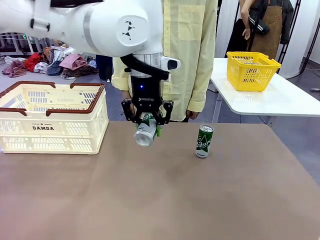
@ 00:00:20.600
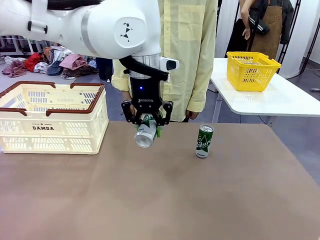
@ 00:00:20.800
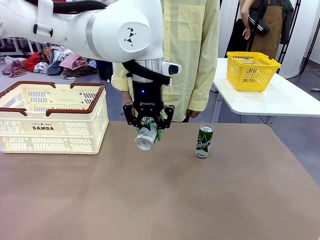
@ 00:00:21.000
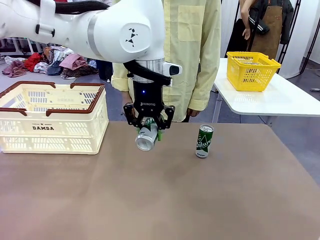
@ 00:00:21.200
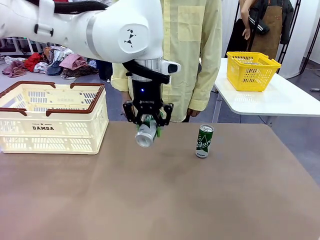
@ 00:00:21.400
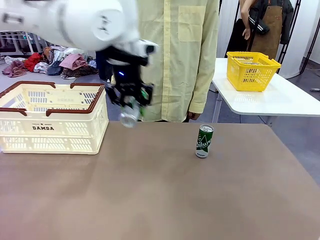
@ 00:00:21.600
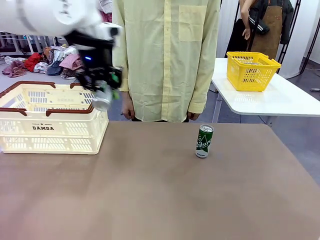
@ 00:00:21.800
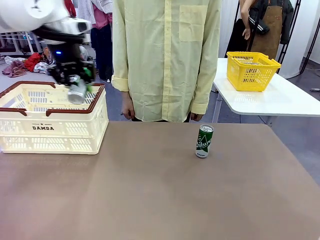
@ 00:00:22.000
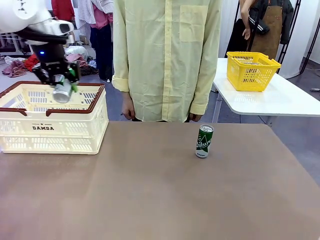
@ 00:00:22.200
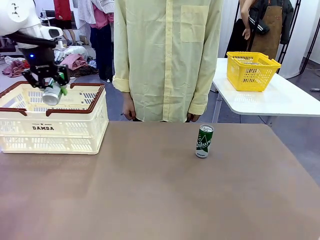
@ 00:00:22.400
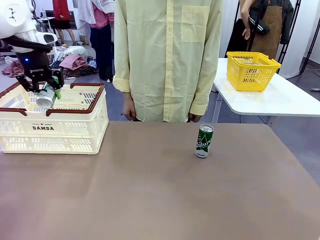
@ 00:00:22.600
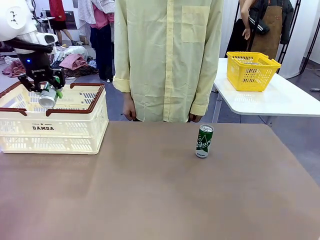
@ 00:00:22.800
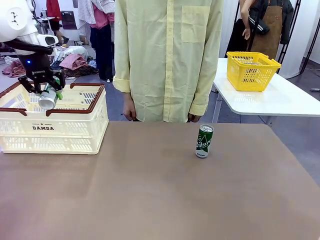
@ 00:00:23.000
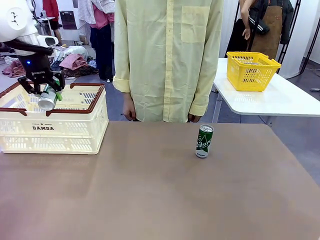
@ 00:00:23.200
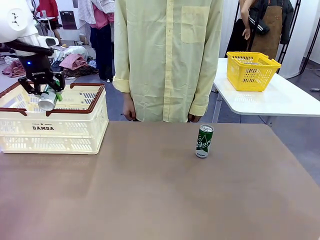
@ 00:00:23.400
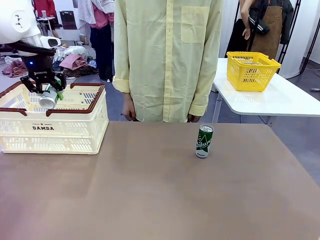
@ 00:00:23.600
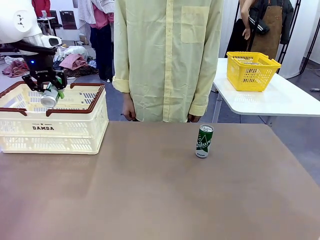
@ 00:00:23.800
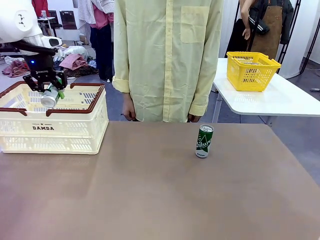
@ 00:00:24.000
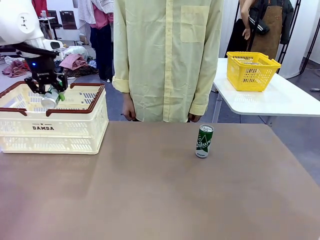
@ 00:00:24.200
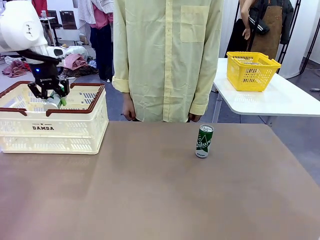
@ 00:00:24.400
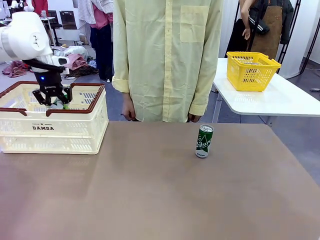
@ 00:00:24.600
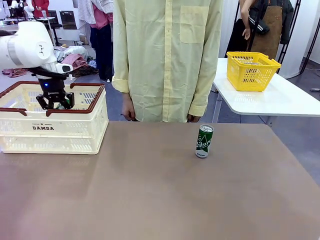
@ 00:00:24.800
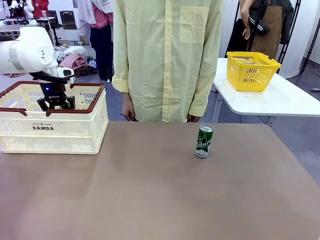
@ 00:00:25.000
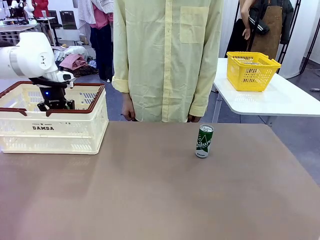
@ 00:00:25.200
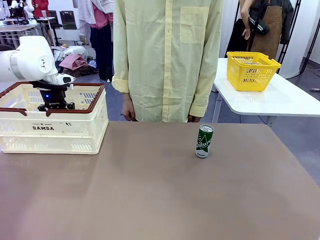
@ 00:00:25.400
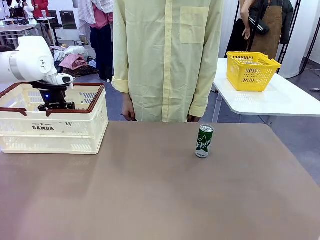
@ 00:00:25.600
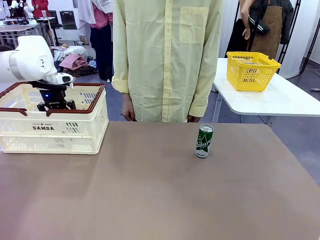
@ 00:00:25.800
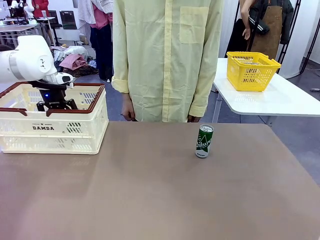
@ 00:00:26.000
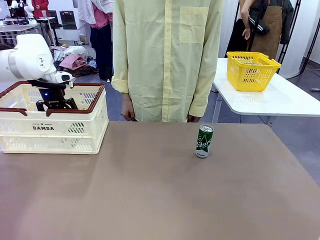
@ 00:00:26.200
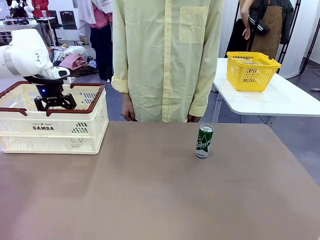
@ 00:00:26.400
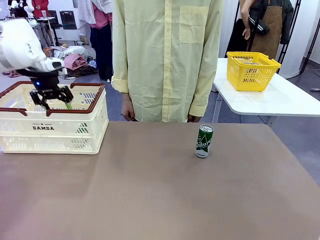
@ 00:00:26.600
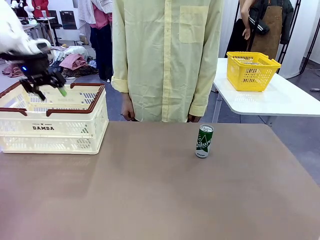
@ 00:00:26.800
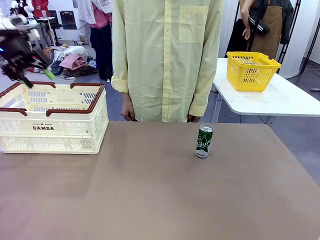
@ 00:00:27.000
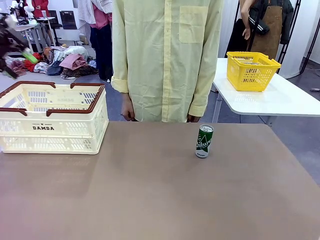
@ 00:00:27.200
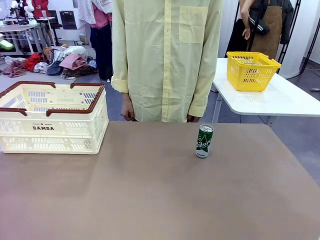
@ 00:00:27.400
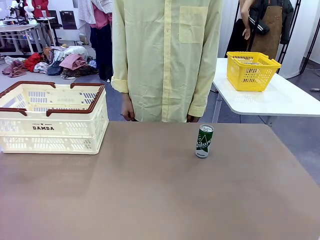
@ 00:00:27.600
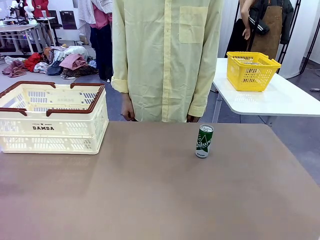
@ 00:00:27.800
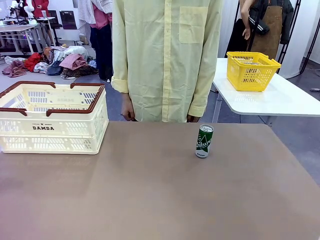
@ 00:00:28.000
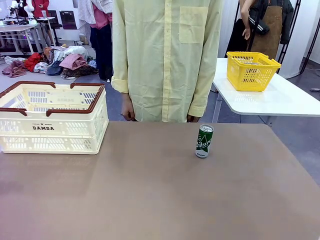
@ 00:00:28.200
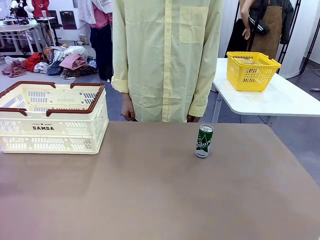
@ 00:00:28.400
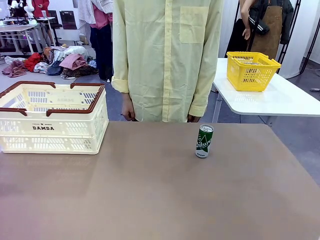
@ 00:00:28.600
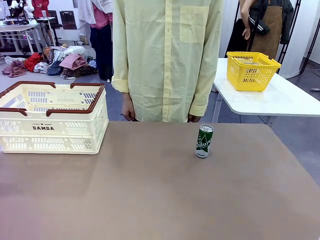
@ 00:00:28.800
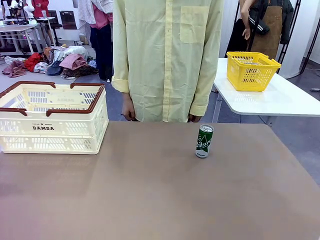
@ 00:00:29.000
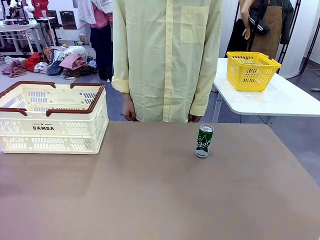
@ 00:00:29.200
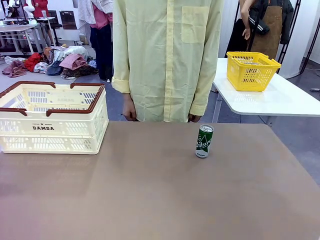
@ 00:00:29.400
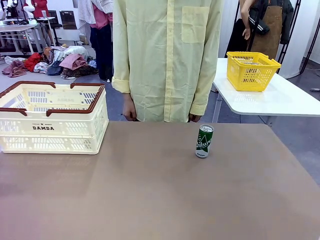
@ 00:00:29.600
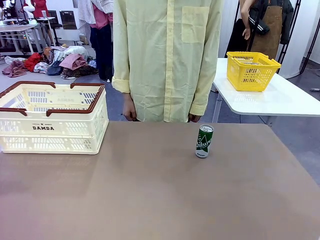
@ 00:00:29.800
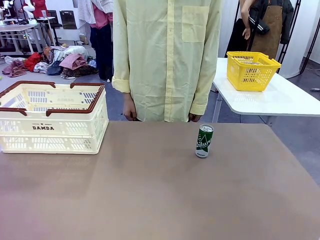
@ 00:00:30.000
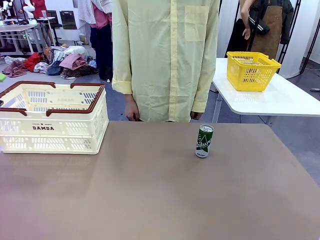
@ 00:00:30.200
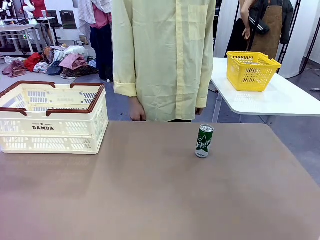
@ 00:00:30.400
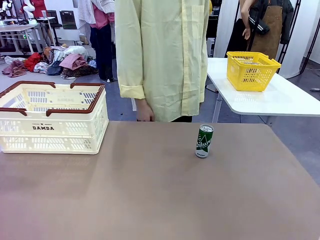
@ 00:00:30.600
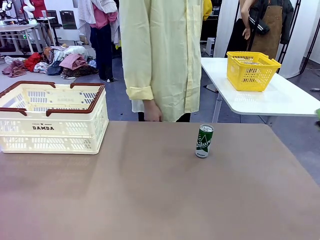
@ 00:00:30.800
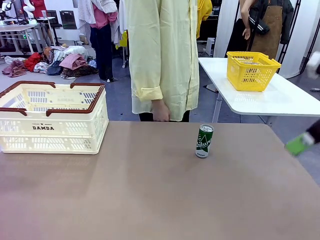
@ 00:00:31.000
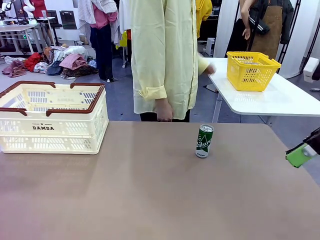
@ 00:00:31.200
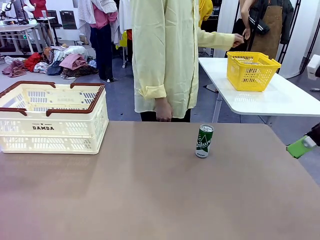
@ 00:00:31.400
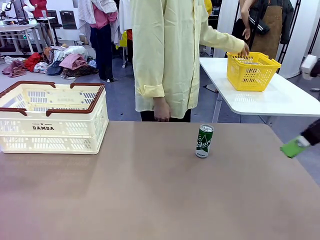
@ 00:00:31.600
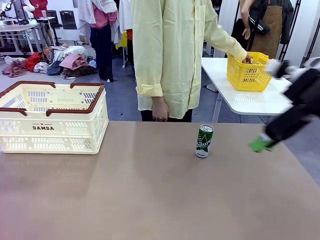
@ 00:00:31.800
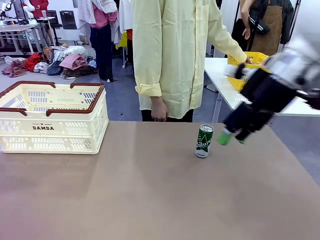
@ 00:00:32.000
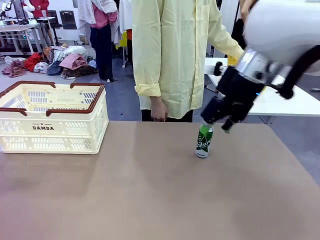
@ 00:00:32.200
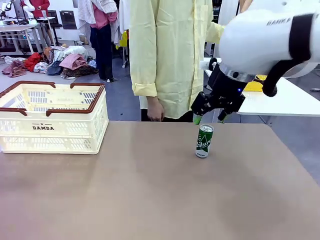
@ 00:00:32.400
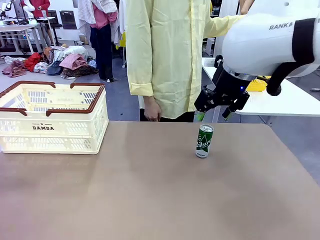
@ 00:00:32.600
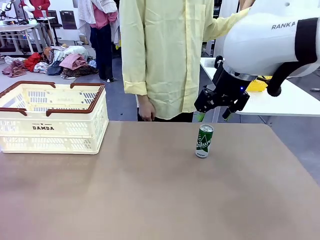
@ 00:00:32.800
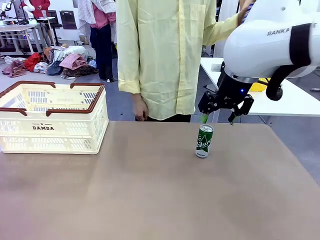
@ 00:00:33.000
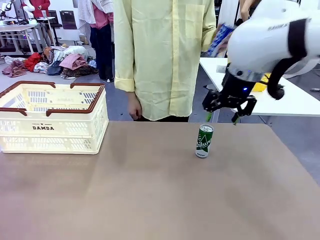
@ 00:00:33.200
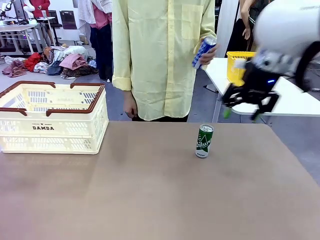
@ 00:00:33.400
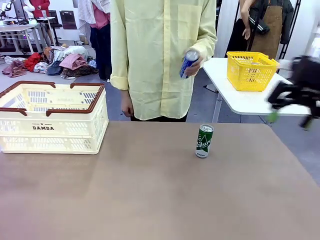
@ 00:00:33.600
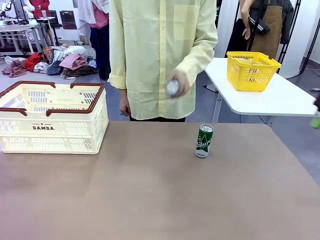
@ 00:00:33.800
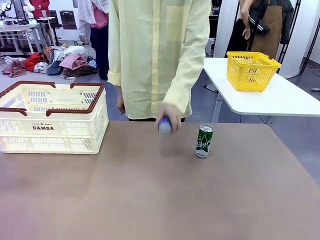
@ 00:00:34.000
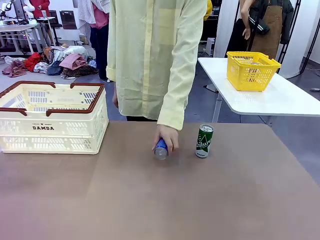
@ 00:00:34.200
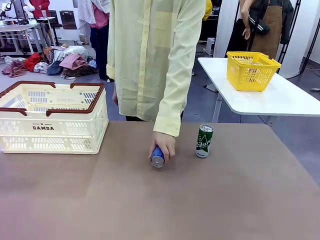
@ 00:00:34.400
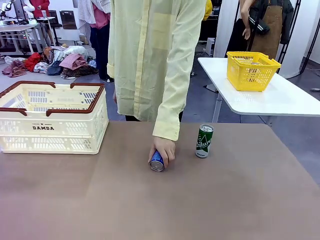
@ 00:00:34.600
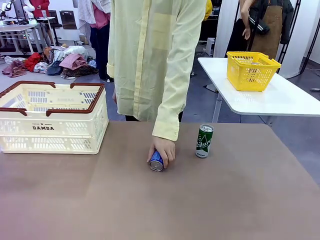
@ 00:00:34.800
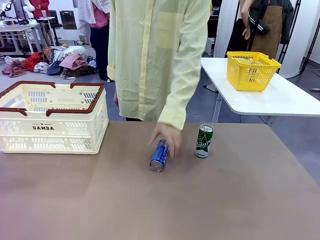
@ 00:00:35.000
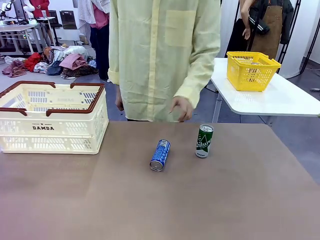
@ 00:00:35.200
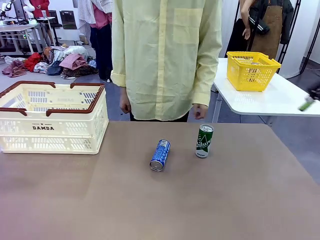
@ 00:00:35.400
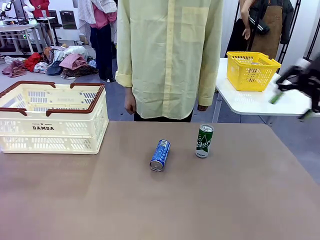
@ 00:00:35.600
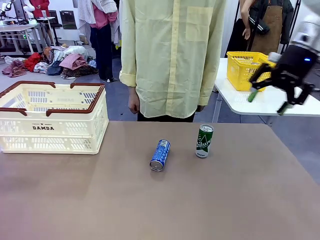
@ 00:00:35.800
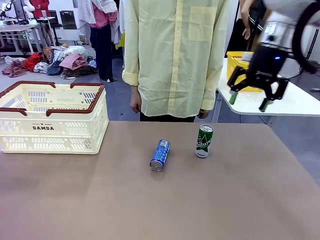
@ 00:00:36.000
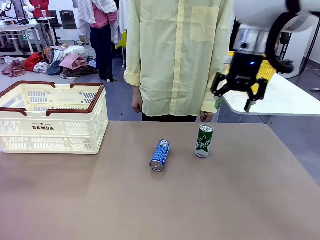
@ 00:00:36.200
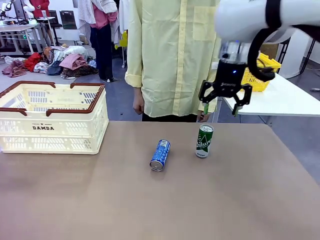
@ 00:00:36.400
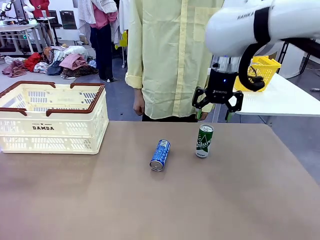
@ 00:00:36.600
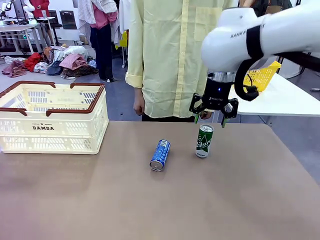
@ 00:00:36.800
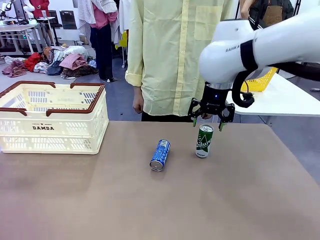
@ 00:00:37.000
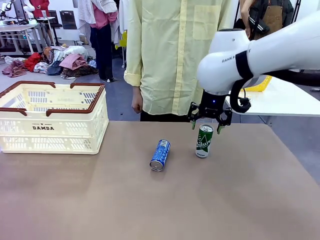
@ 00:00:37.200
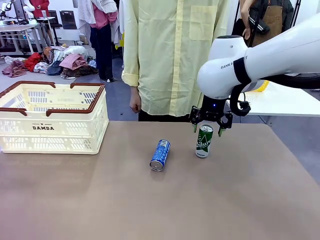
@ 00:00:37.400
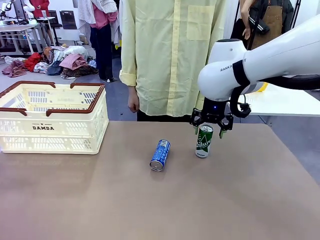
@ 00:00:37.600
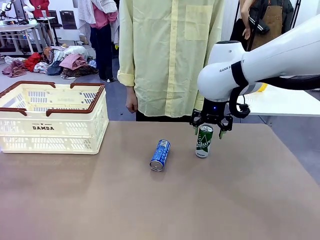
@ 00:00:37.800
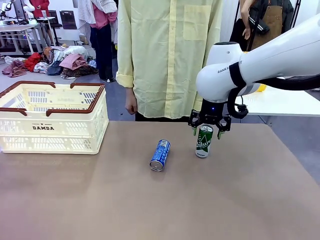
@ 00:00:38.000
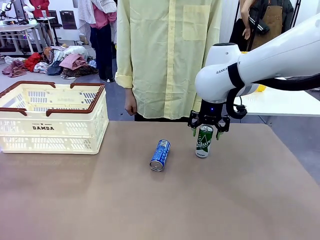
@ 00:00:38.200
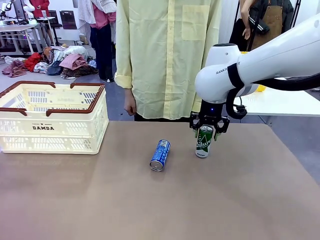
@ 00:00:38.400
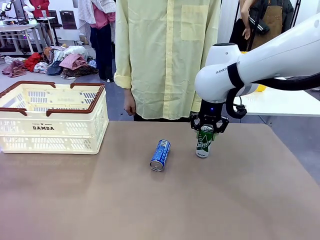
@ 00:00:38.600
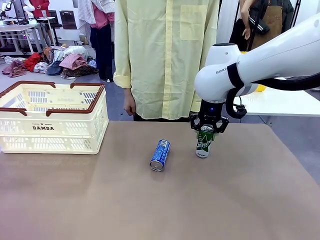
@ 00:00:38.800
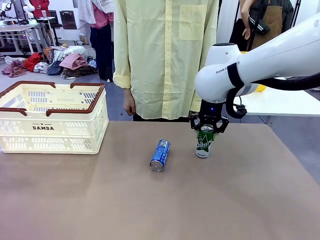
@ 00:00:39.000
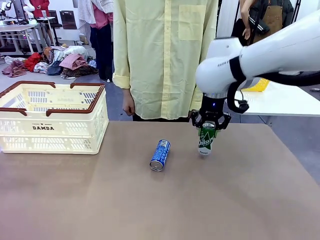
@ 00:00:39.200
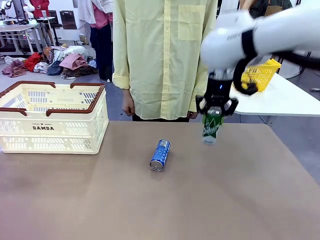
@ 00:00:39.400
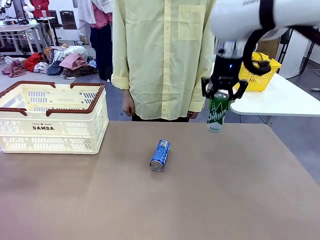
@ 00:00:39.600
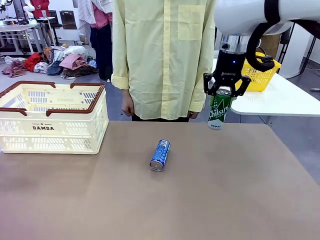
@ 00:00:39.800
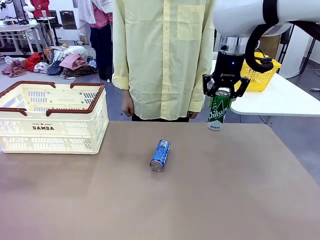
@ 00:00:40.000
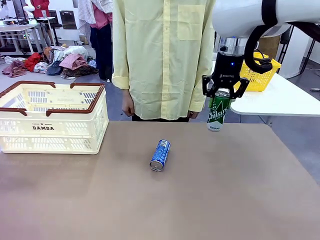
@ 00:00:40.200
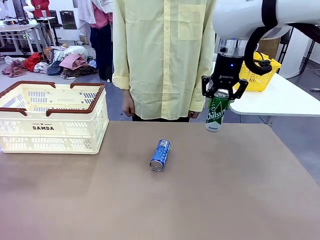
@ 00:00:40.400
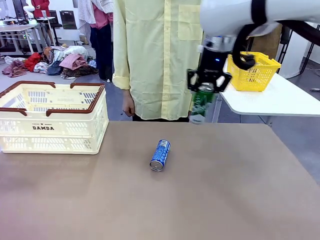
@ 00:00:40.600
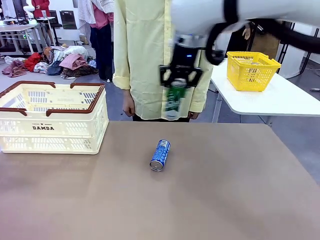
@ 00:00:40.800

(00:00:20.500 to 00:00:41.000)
Task: Place the drinks into the Shopping basket.
Robot: Pick up one drink and place it into the Shopping basket.
